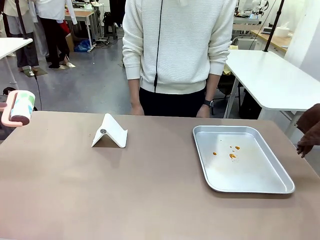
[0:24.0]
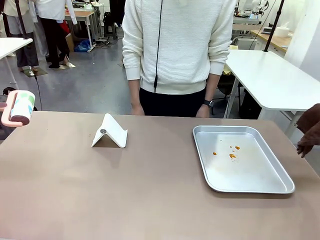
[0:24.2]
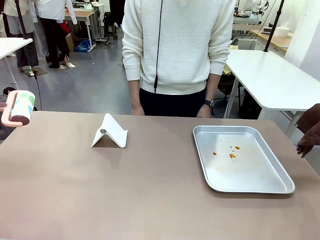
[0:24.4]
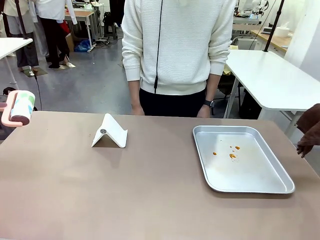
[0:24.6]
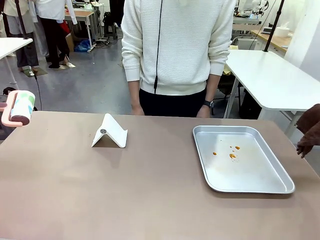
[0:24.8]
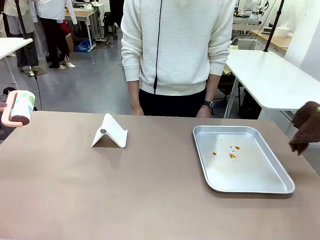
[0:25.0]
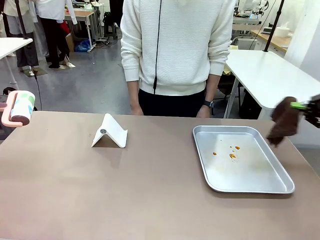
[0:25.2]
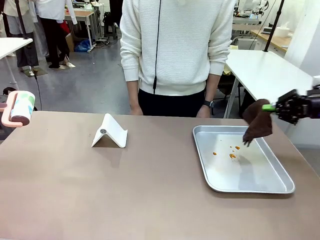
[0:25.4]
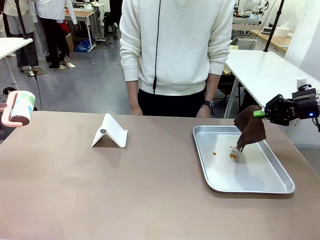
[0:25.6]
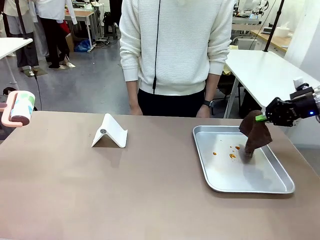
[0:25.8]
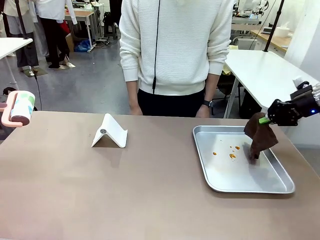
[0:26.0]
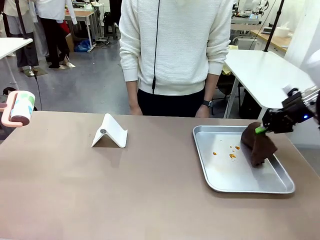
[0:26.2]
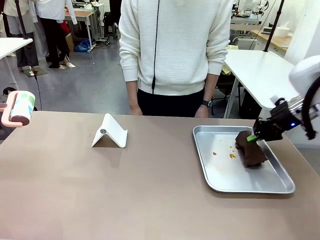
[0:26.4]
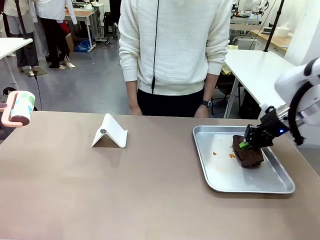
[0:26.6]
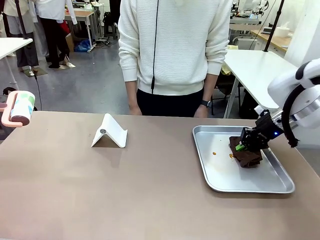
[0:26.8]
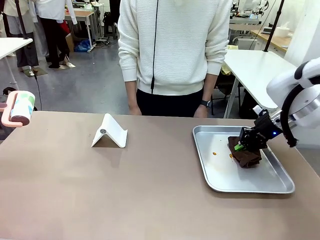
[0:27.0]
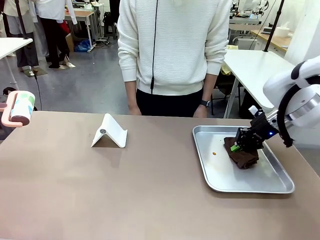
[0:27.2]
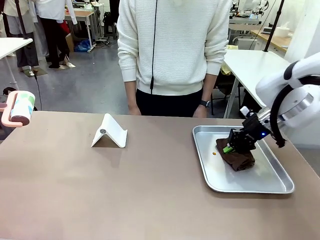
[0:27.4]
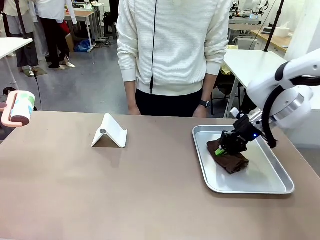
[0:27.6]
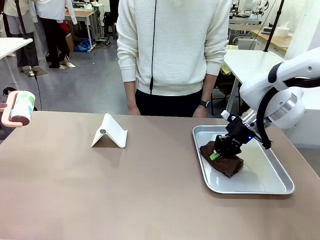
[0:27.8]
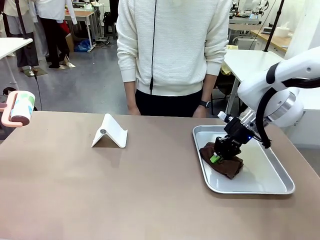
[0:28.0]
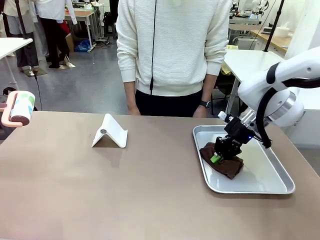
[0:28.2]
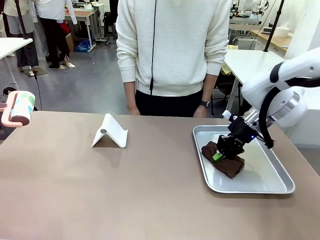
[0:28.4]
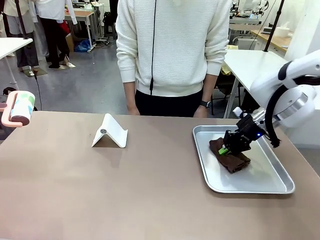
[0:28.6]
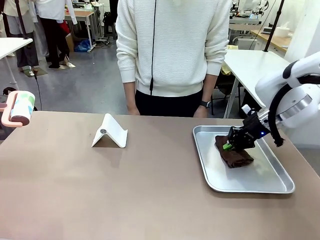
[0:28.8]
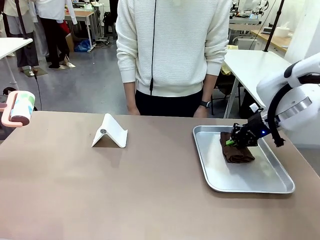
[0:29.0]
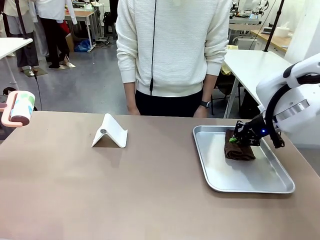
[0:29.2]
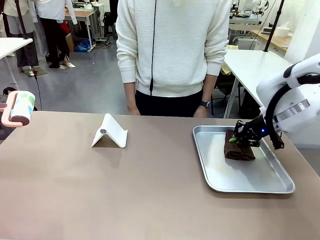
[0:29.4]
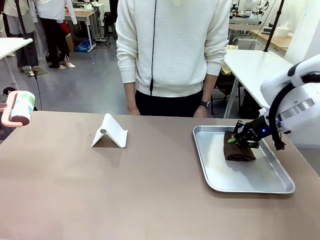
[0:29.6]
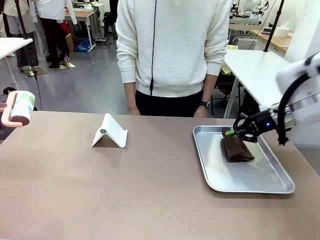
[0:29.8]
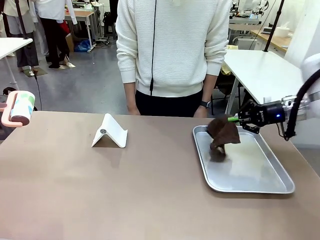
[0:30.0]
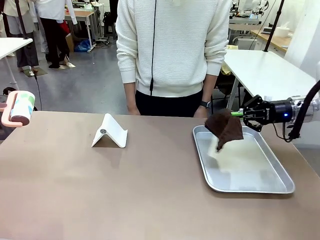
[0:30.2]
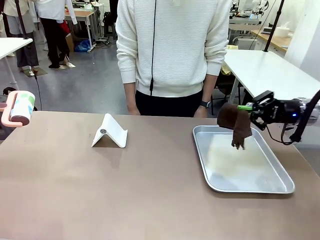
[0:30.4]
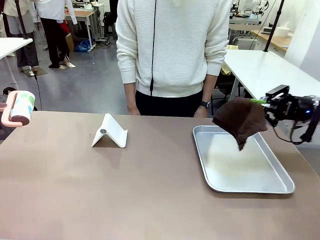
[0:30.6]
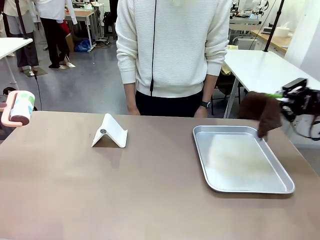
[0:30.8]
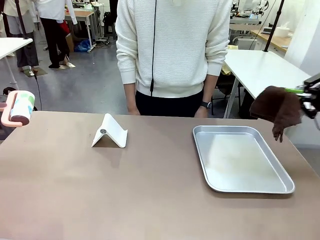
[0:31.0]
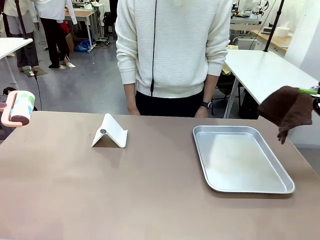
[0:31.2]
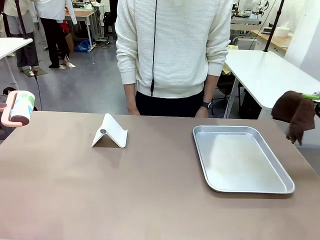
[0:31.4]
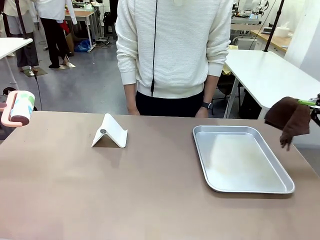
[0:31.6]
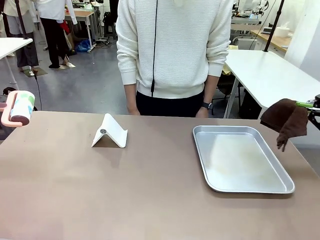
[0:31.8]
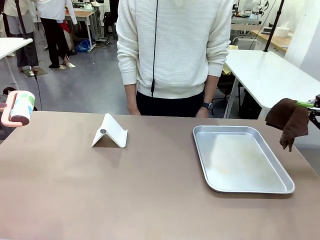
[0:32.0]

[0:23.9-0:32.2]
Task: Clean the surface of the table.
Robot: Clean the area not pointed to by the person.

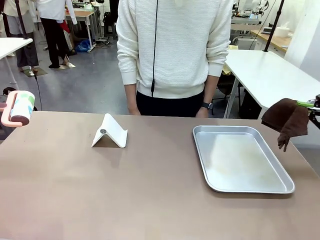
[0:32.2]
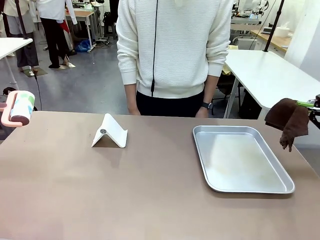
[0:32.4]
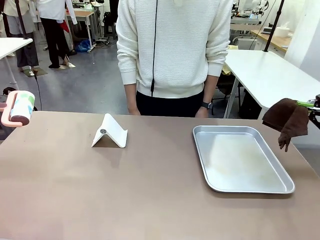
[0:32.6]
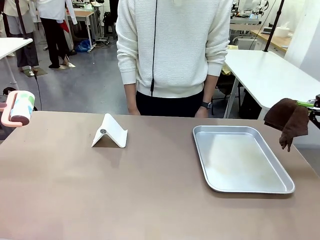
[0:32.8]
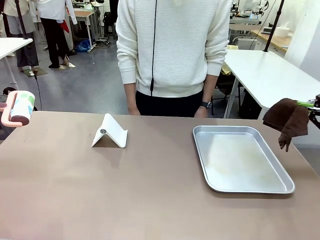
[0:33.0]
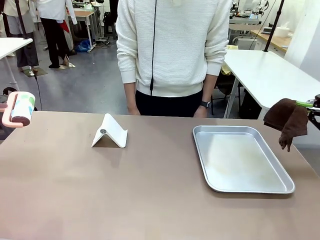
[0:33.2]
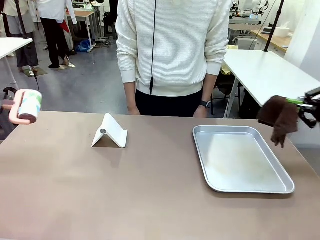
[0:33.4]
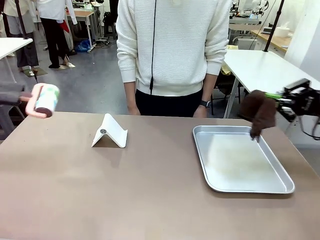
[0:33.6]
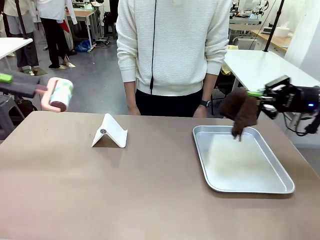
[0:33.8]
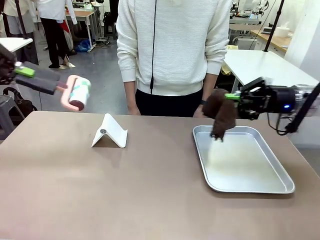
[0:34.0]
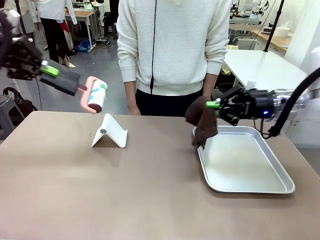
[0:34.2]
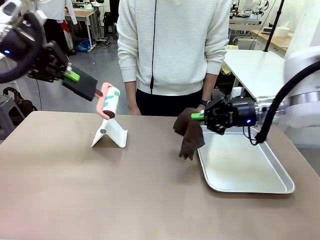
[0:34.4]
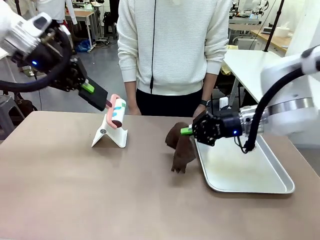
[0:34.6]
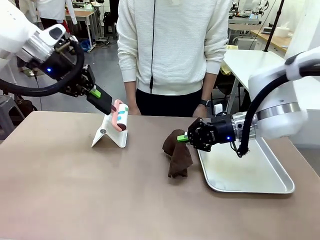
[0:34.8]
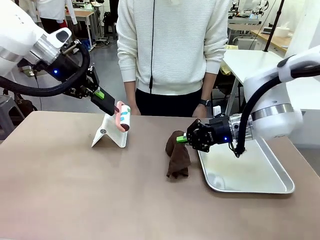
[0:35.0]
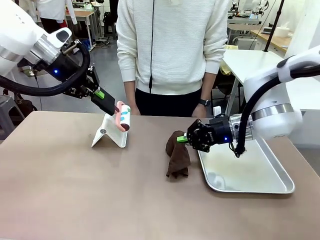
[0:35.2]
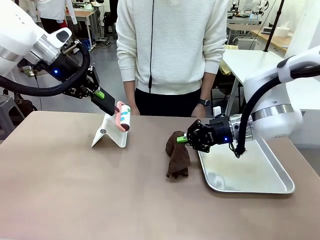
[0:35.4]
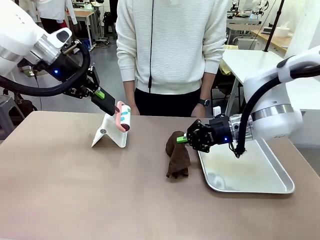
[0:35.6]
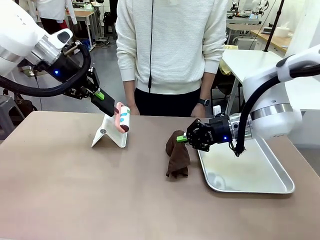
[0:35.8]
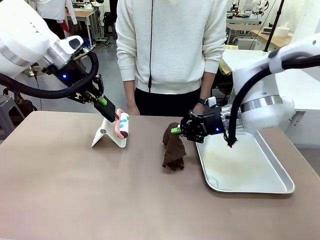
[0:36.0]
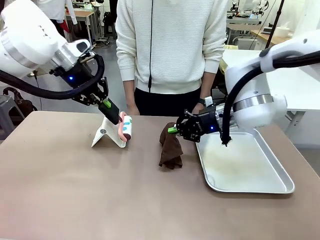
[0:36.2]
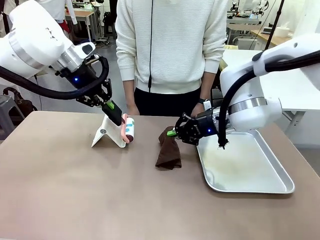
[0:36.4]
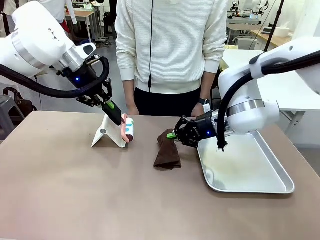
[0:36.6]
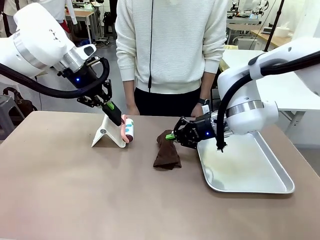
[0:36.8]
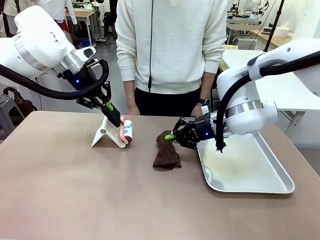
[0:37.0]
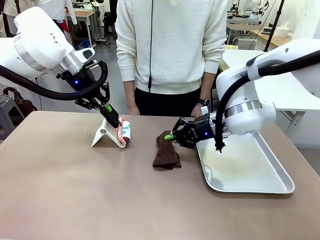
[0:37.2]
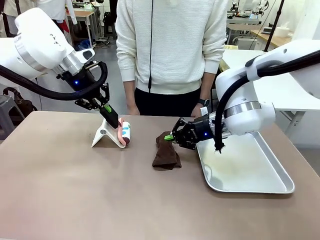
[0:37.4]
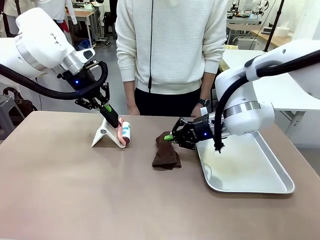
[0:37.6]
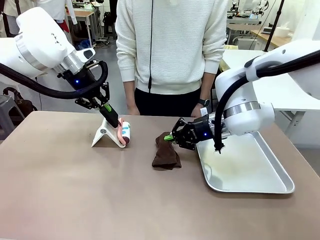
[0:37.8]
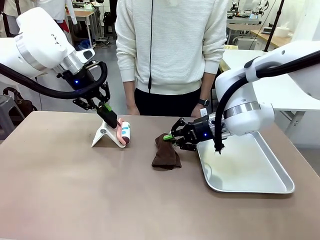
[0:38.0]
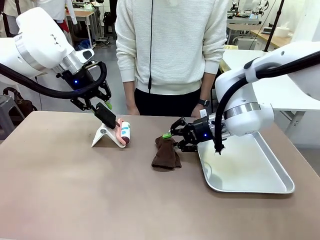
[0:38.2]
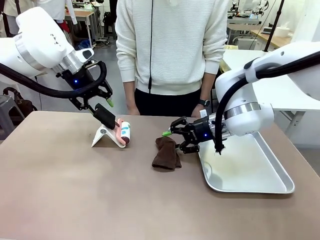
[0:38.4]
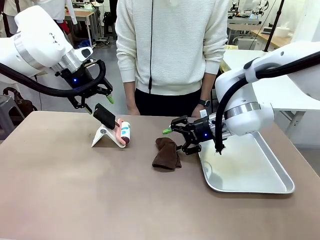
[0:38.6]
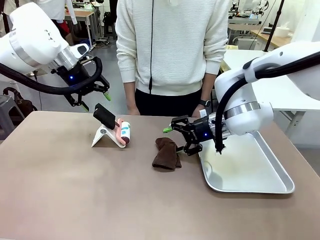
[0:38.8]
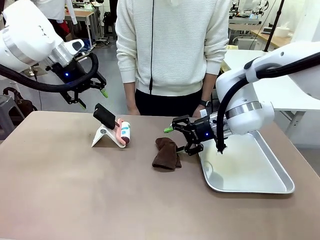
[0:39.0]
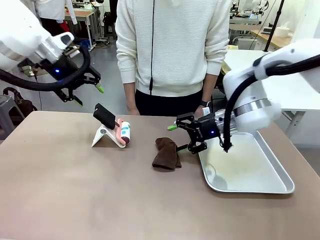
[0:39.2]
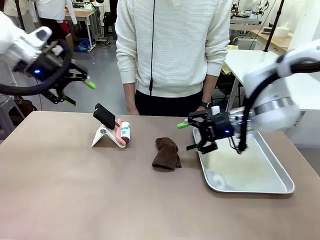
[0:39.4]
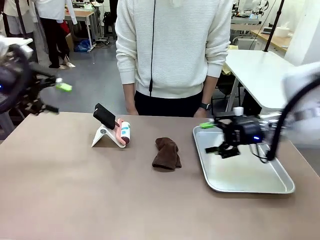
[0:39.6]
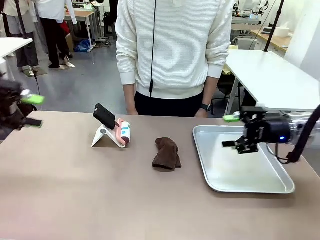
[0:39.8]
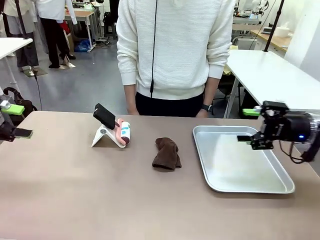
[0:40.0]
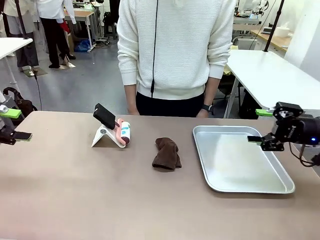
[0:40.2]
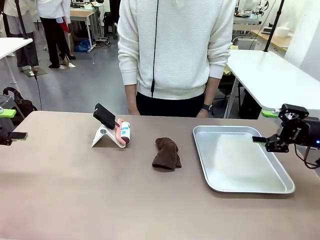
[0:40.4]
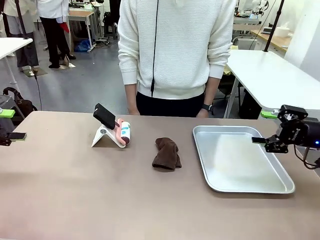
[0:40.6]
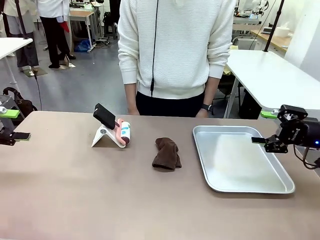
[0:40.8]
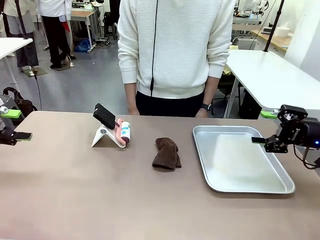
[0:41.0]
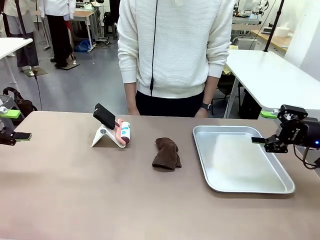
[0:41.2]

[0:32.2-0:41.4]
Robot: Return the Lint Roller and towel to their original positions.
